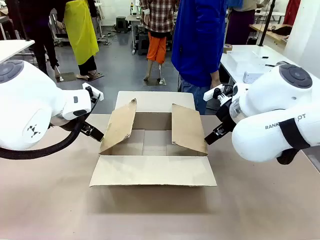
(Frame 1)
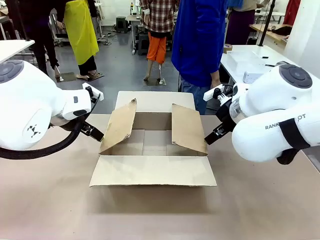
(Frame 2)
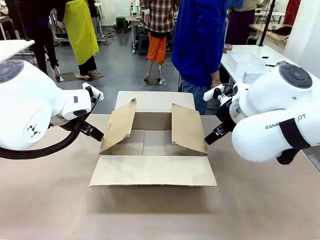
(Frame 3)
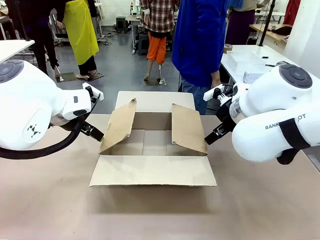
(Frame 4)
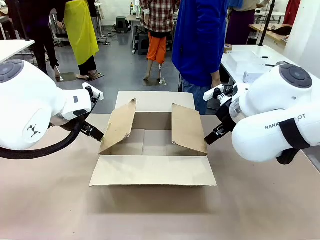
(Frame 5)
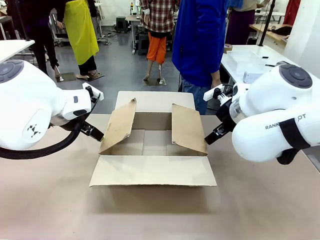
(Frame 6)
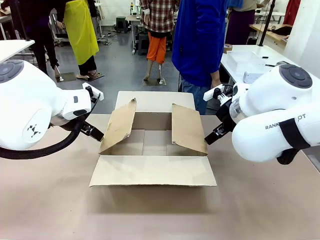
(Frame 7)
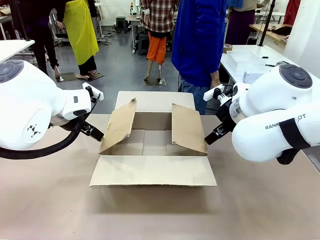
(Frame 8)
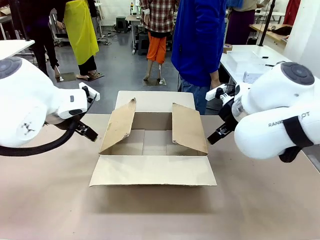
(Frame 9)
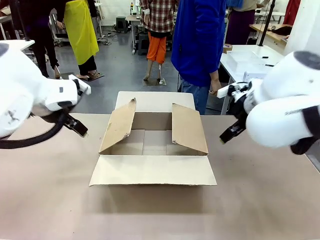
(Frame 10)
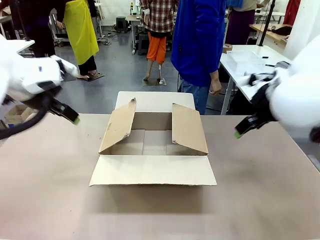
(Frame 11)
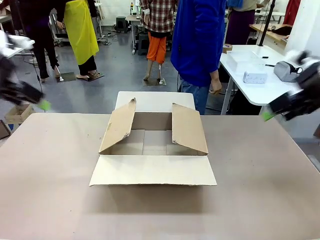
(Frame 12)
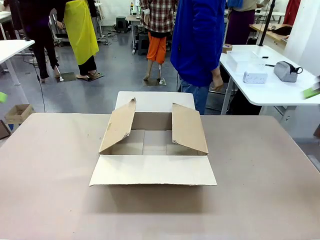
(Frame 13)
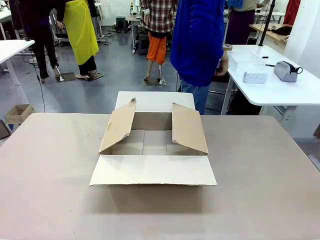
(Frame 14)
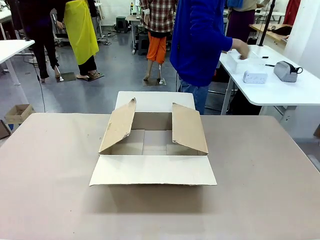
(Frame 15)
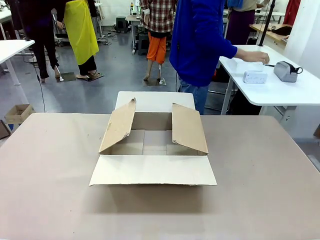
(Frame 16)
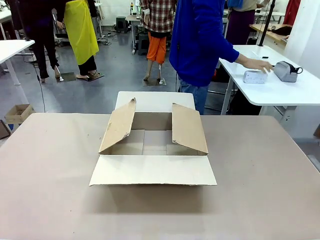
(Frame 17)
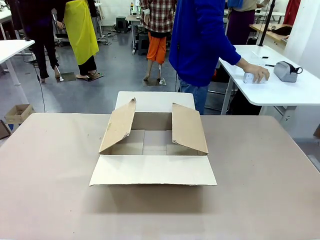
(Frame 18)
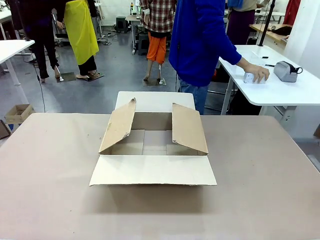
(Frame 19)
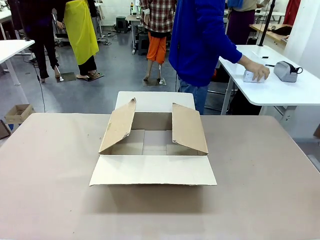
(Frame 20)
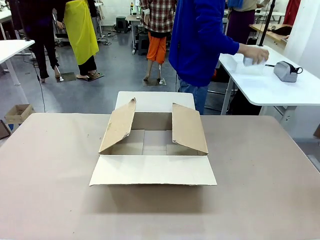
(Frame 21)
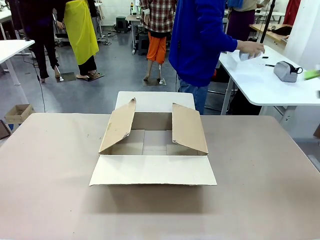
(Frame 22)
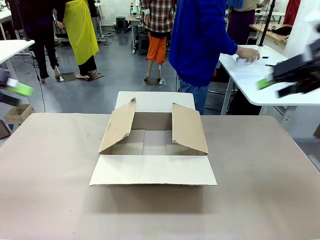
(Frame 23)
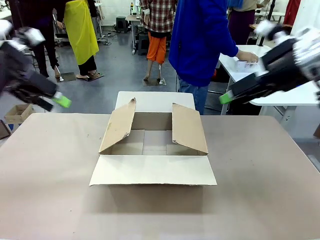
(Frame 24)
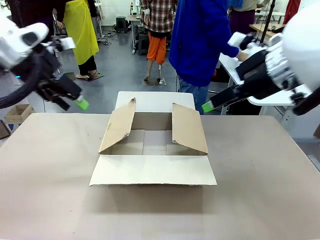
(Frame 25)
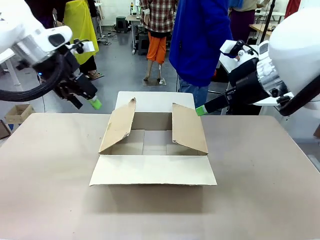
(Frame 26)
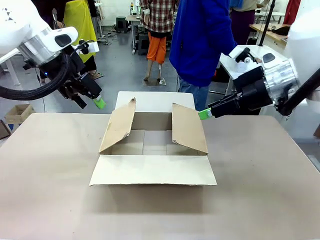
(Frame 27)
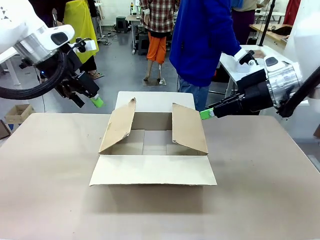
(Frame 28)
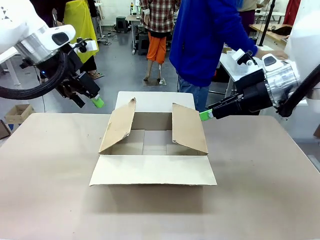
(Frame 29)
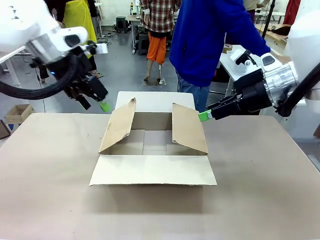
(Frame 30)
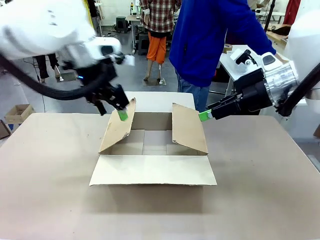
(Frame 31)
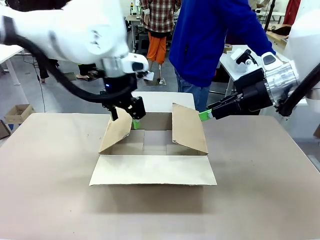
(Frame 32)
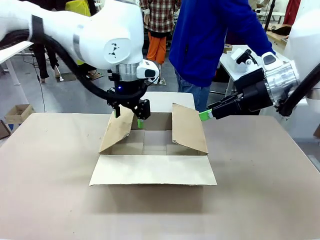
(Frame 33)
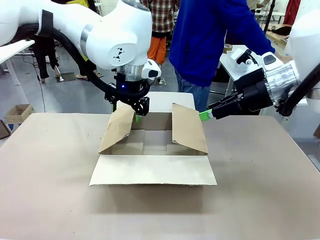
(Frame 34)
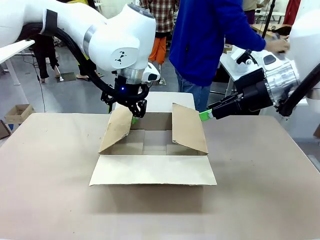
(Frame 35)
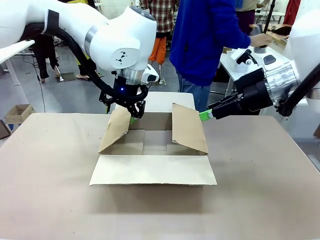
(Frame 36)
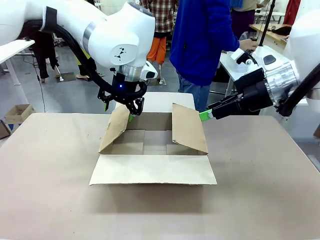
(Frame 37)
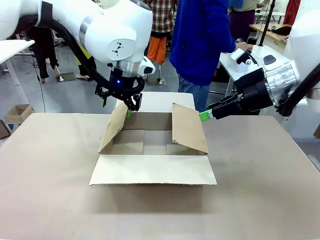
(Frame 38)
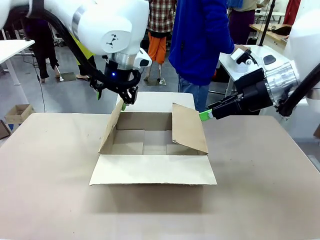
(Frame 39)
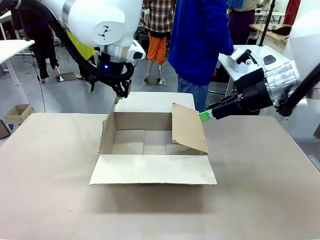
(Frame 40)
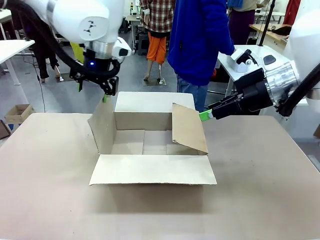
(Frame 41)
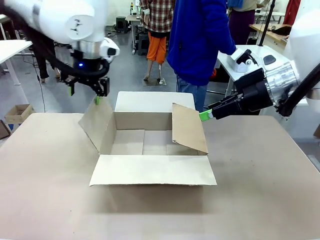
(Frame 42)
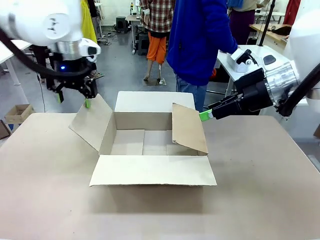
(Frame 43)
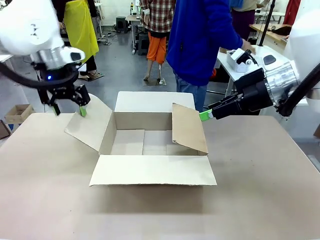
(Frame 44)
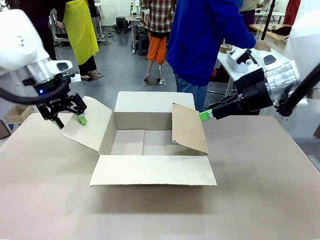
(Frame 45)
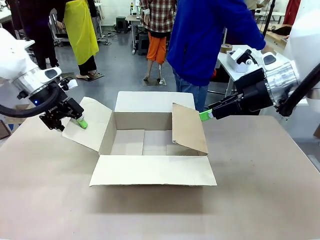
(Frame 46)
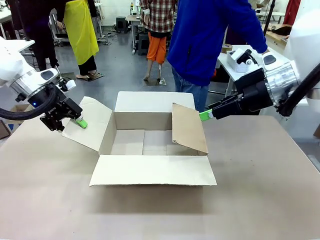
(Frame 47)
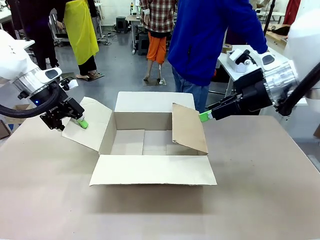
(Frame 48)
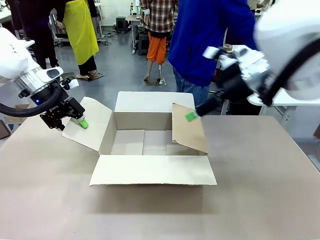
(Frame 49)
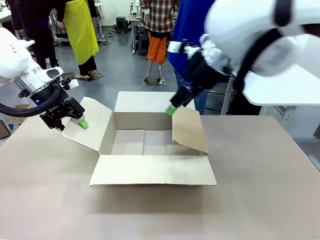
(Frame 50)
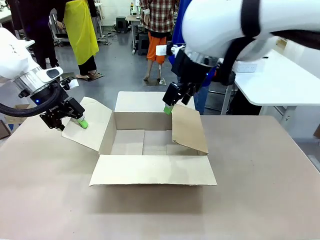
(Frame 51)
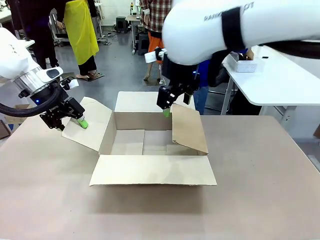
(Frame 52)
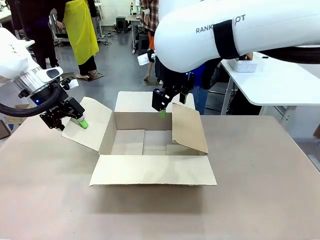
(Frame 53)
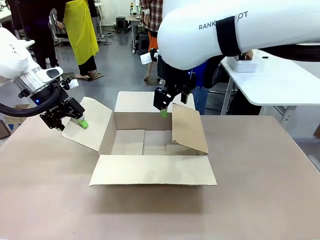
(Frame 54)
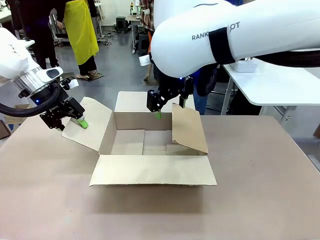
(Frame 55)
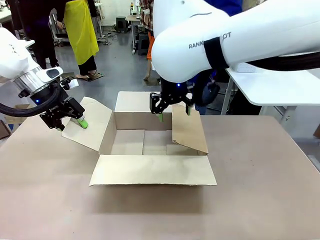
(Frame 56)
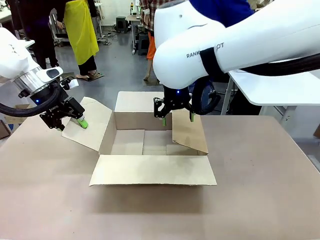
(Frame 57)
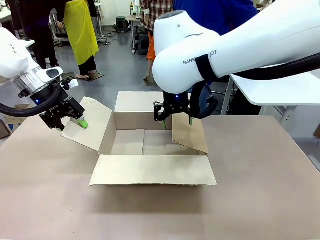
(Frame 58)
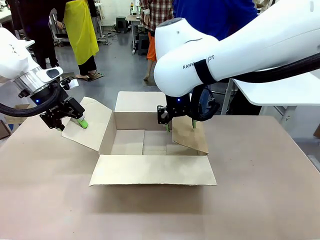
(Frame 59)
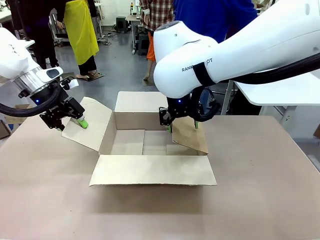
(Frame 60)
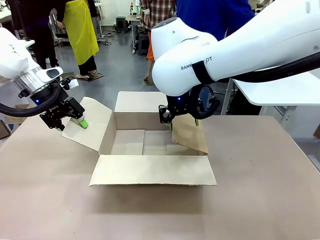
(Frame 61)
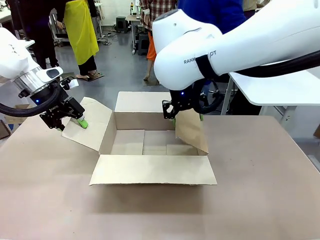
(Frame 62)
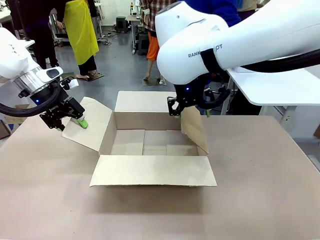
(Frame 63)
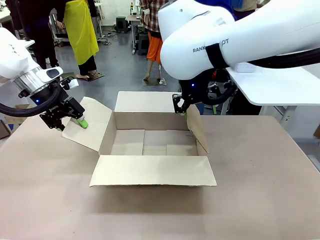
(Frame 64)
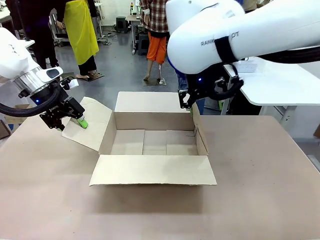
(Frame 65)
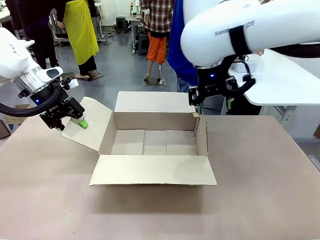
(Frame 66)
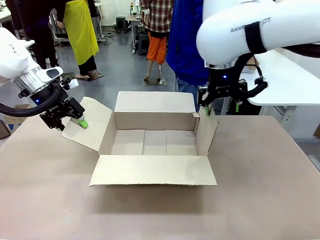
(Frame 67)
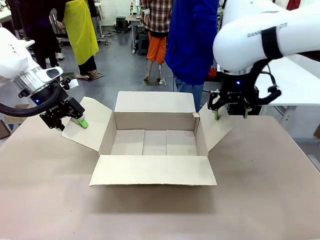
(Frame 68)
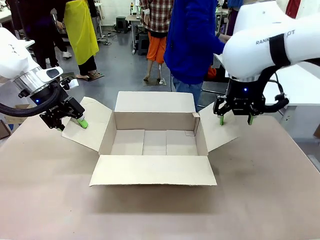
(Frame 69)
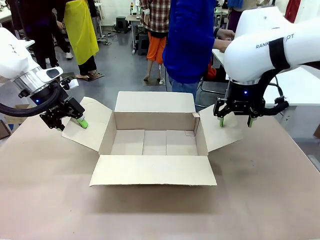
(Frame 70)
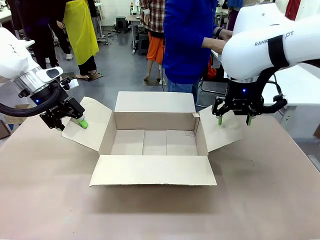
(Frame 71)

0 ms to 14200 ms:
Task: Pack the gift set into the box.
Robot: Place both hands on the side flaps of the Package Box and spread them outward.
Person: The human places all items except the paper tape into the organizing basket.

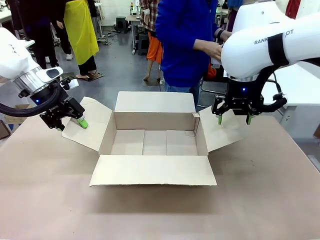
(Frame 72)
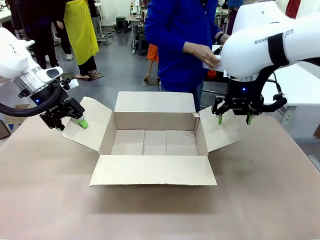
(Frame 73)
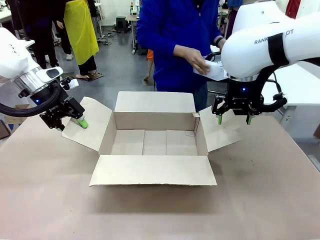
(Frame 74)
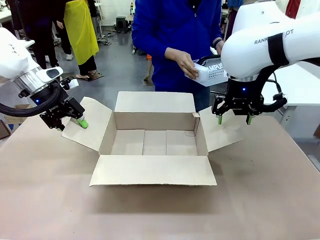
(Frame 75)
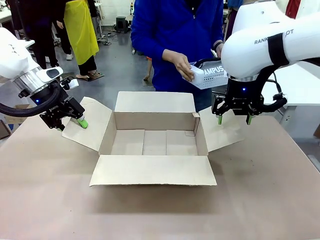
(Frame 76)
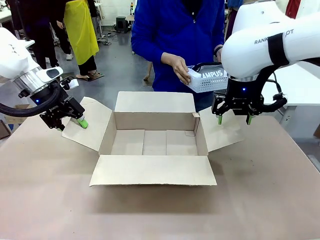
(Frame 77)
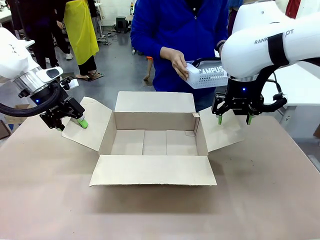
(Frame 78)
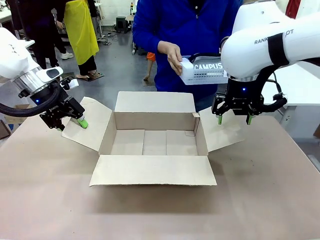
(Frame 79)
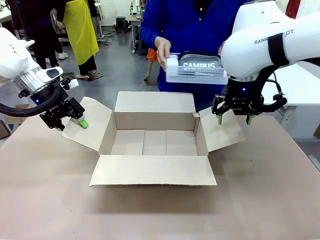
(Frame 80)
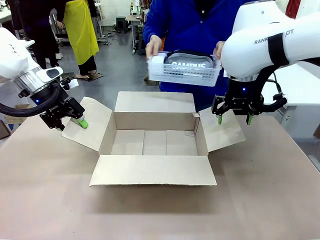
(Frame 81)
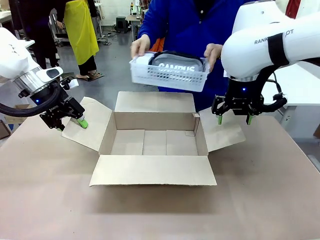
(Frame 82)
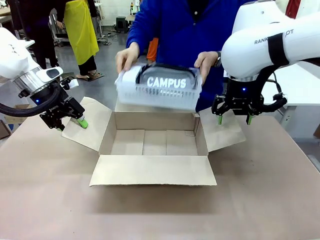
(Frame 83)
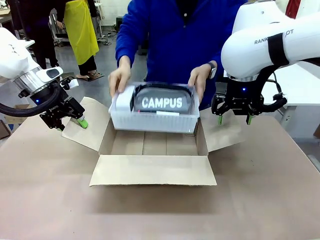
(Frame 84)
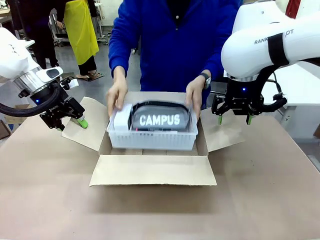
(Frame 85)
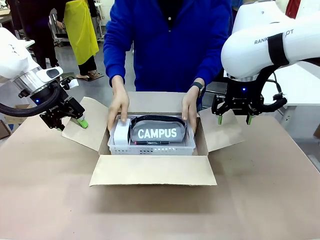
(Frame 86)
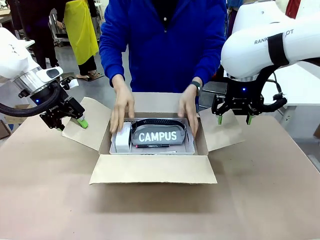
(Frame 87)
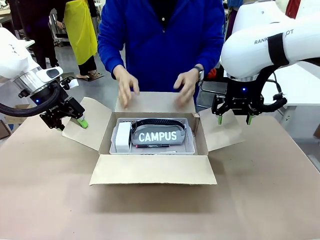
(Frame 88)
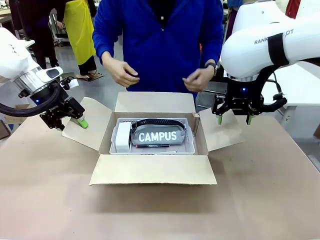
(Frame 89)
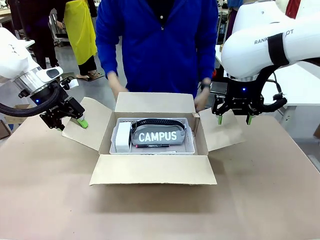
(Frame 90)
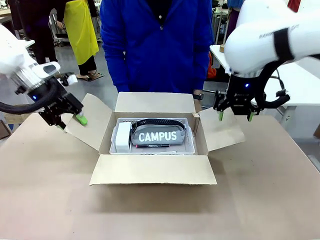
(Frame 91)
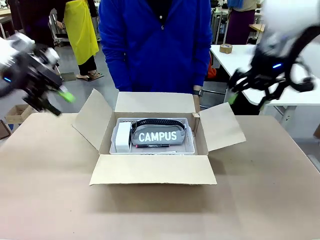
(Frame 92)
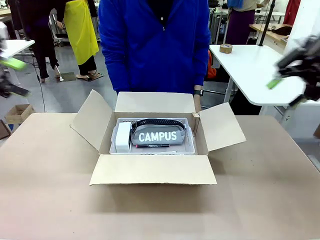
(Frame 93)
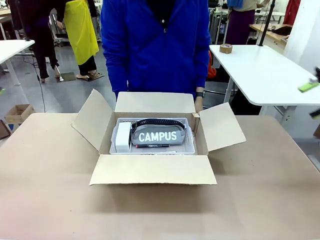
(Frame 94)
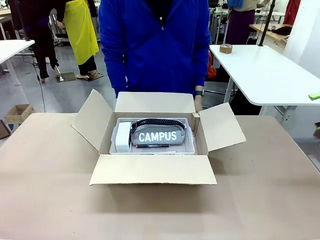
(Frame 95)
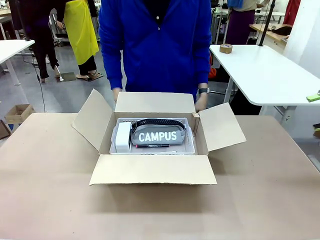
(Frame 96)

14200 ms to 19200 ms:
Robot: Lift both hands away from the flaps of the Package Box.
Person: The human picks up the organizing basket and places the organizing basket into the package box on the robot table.
